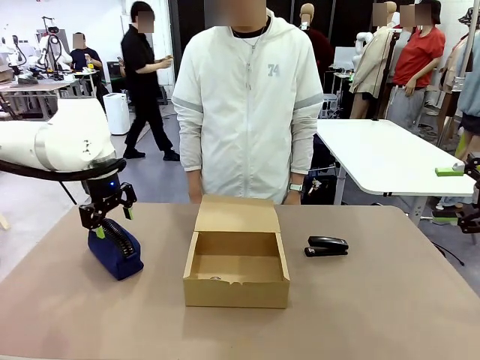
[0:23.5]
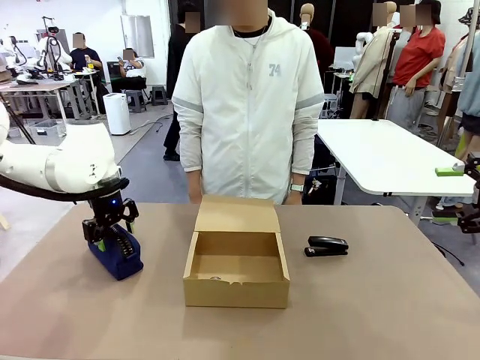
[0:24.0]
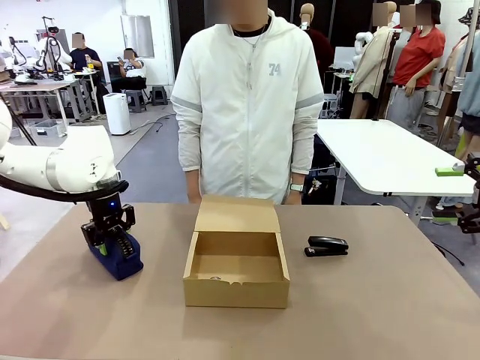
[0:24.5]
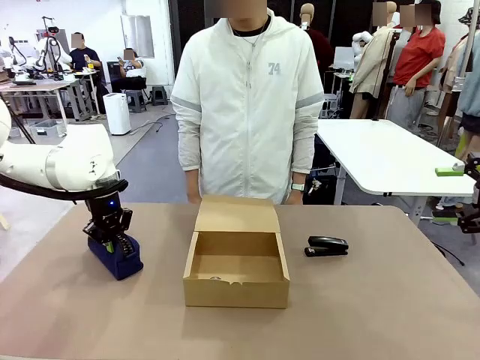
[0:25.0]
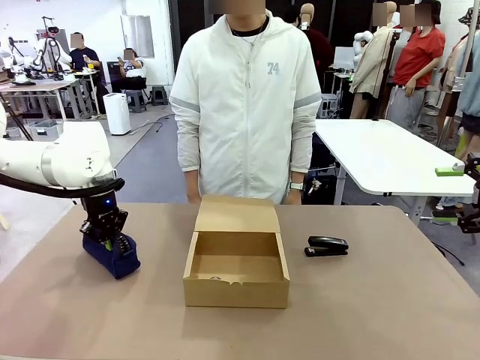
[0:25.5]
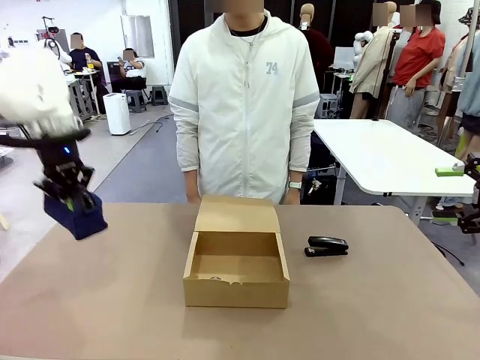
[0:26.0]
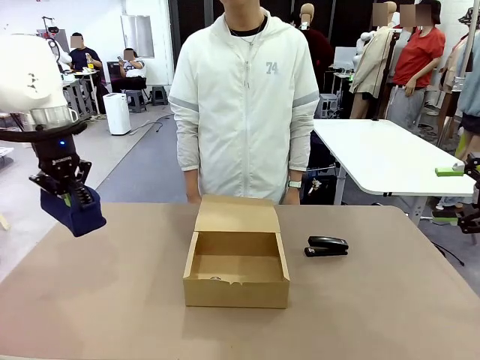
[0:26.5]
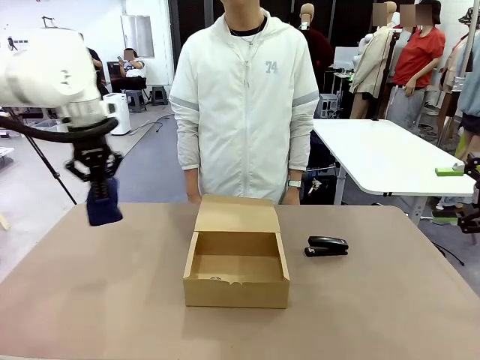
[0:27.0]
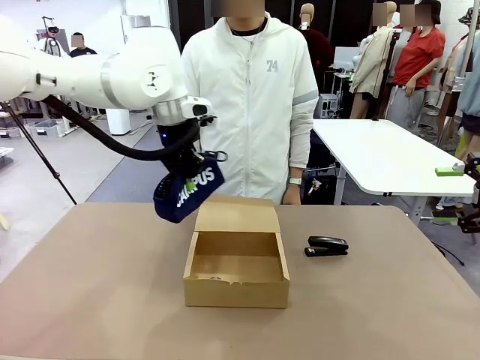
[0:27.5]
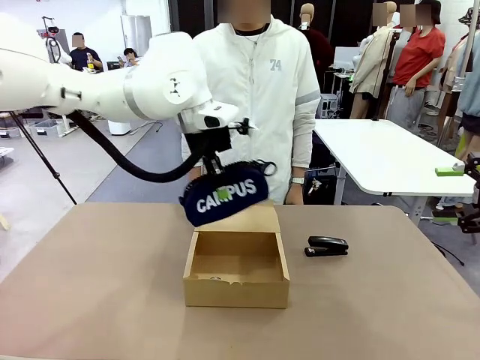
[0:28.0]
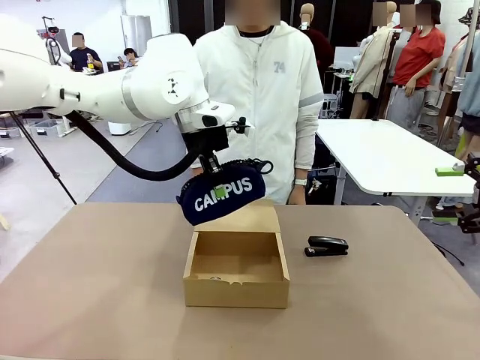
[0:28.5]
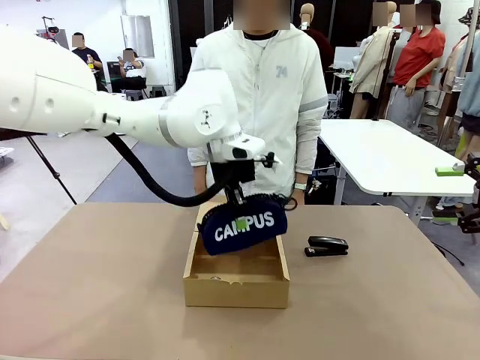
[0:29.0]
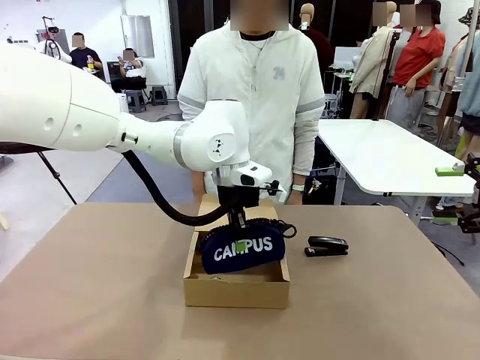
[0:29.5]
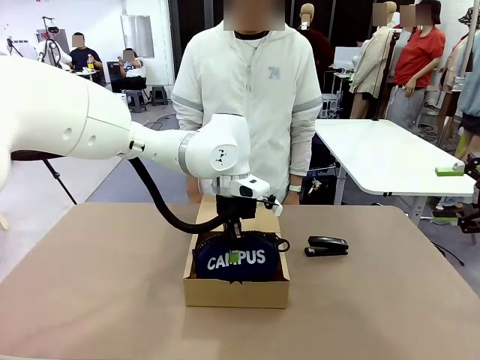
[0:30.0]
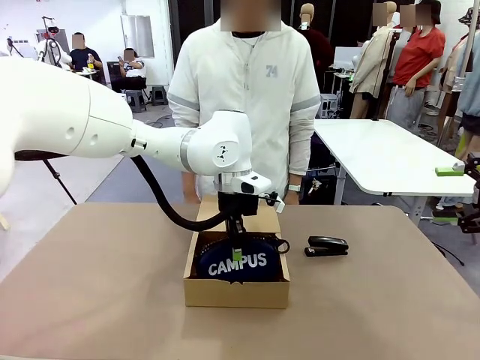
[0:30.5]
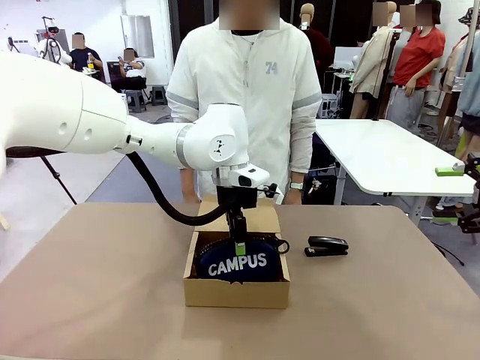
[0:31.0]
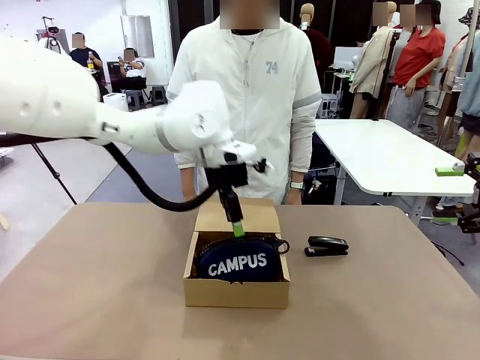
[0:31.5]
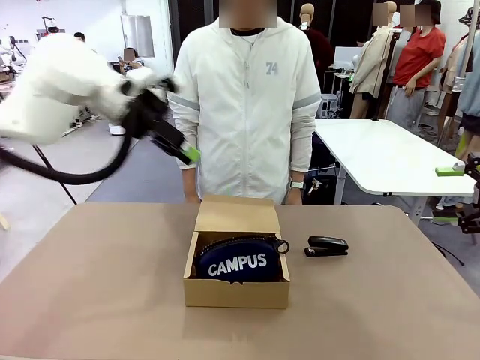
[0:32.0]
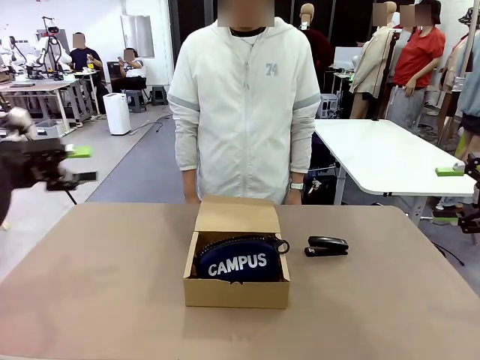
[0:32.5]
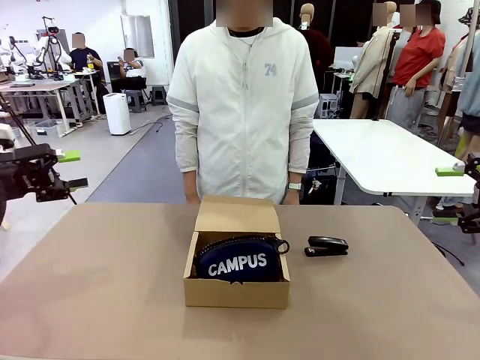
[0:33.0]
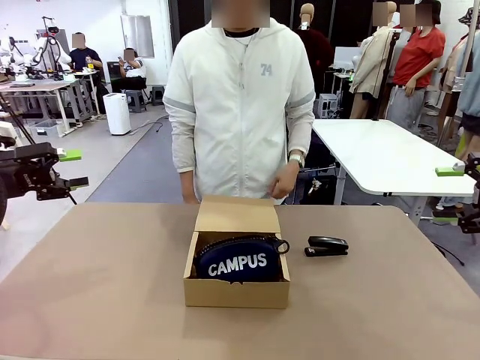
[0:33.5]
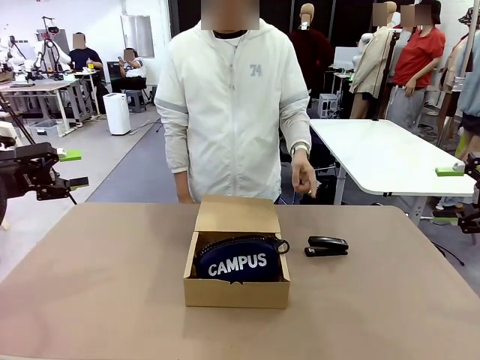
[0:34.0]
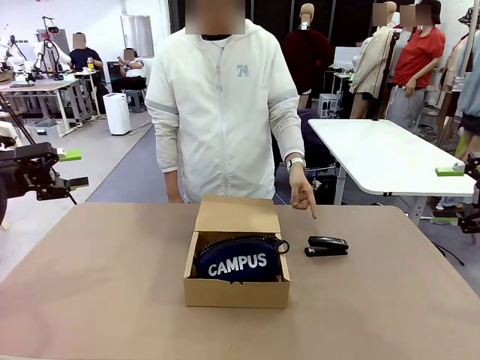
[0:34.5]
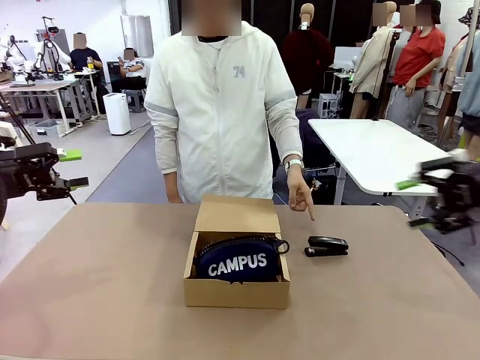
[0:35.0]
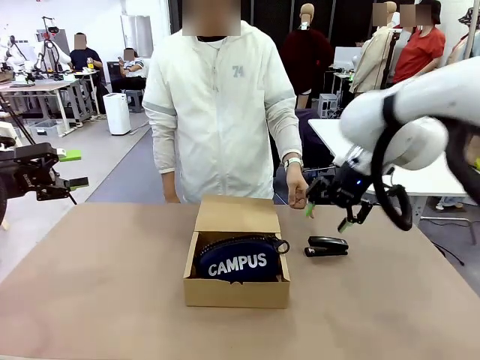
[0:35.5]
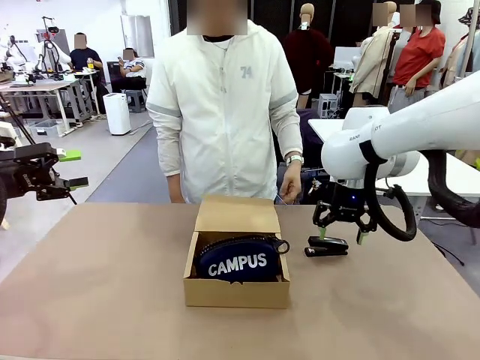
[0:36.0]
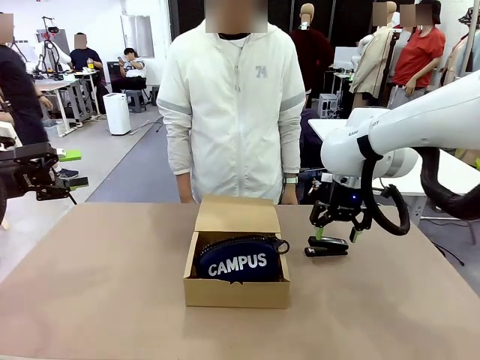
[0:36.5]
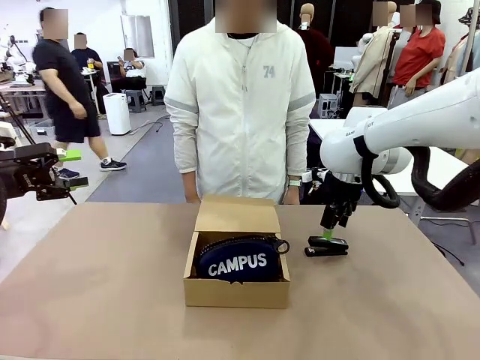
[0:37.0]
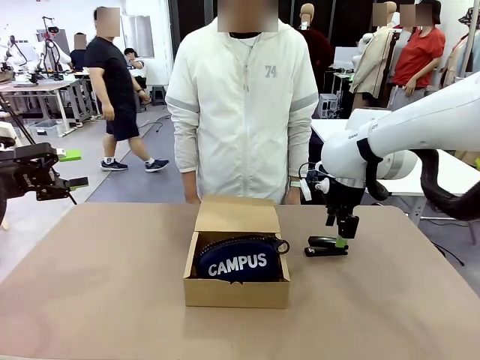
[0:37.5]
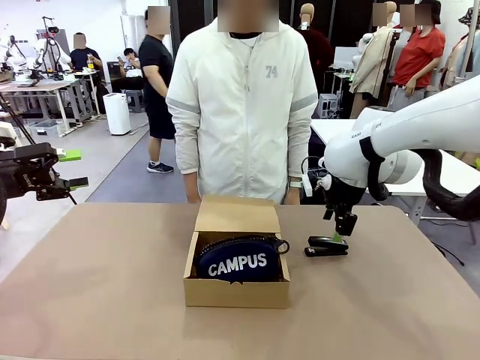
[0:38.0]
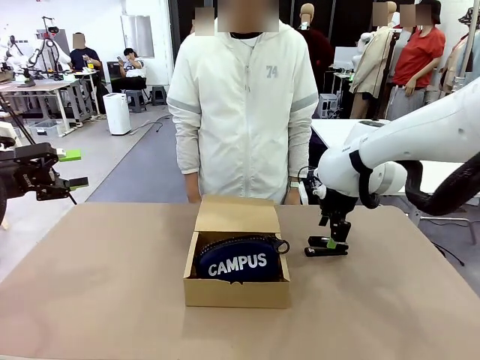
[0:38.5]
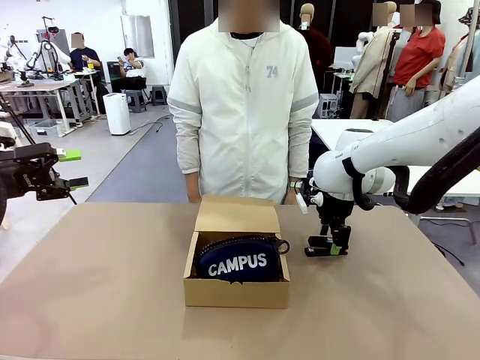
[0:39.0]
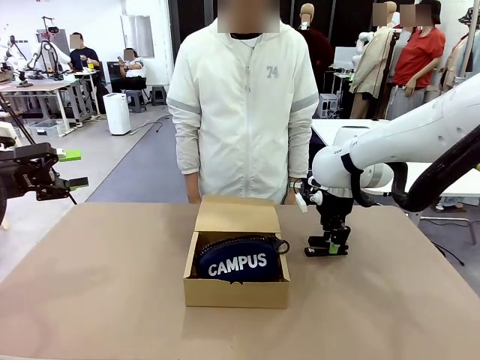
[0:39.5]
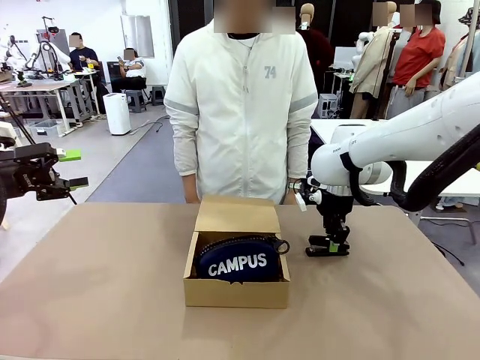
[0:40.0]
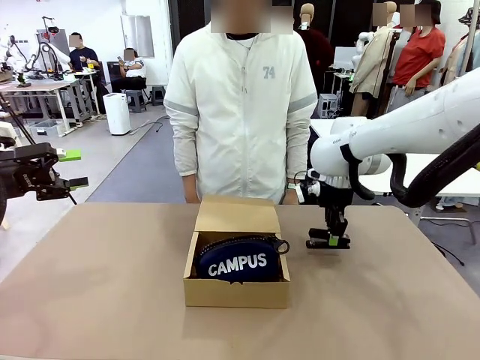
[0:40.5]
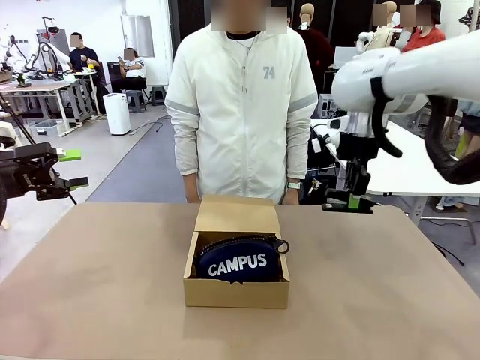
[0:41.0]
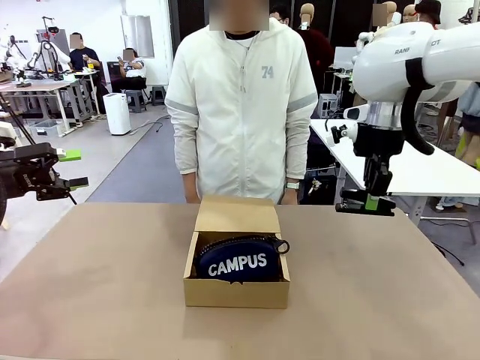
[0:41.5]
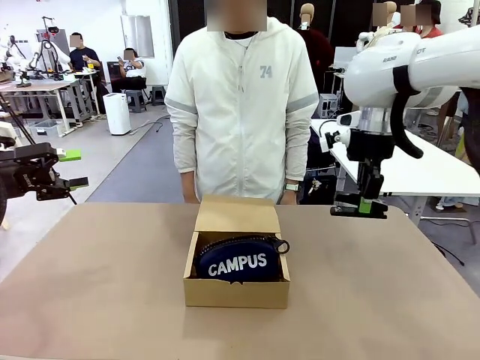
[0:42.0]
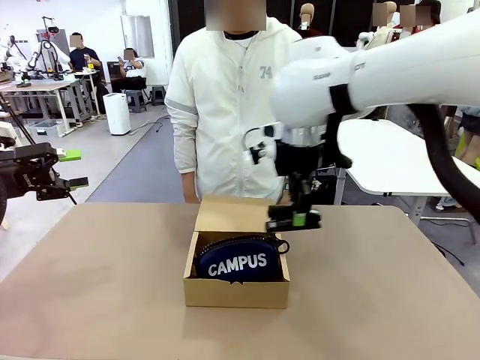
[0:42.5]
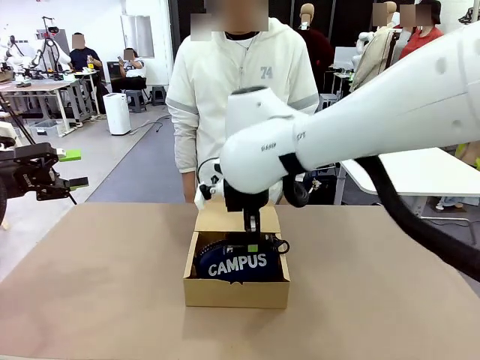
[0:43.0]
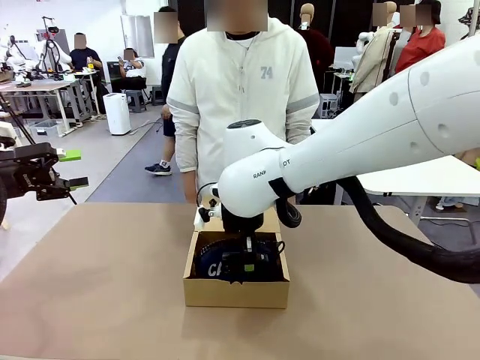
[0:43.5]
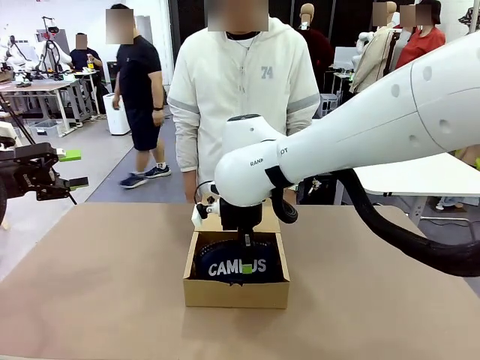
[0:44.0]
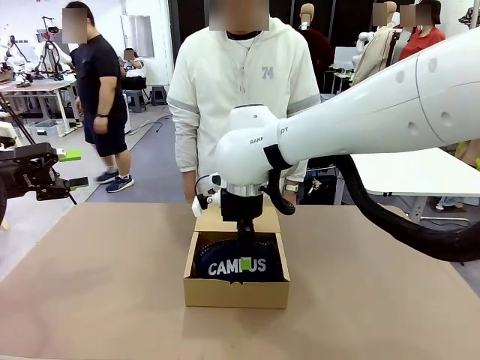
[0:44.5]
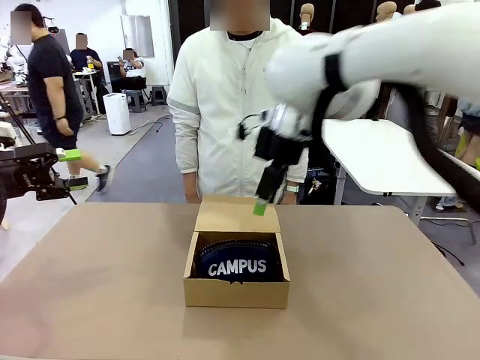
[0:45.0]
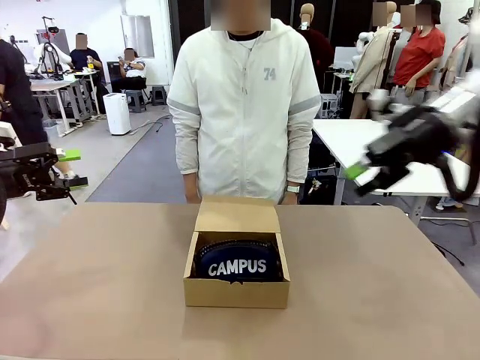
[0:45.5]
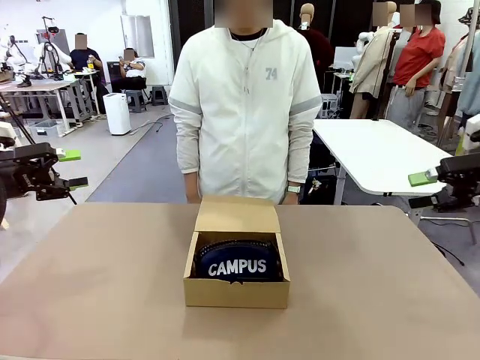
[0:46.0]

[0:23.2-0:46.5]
Task: Pack the items into the box.
Robot: Pick up the item indicated by the person and place it inside the Mailer Box.
Person: Lower both hands vertically with palms facing downward, as if pressing something closed.
